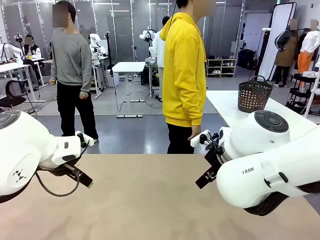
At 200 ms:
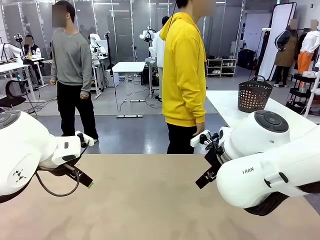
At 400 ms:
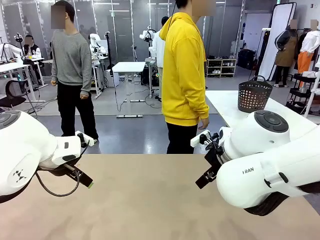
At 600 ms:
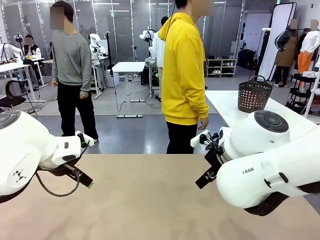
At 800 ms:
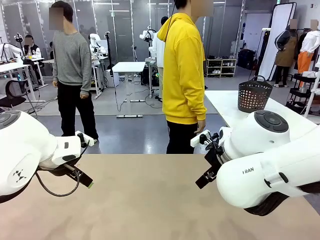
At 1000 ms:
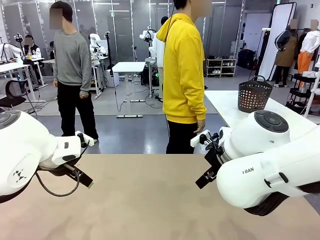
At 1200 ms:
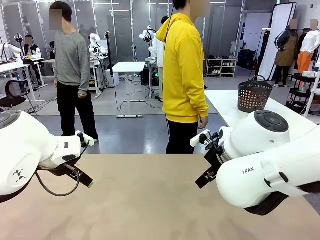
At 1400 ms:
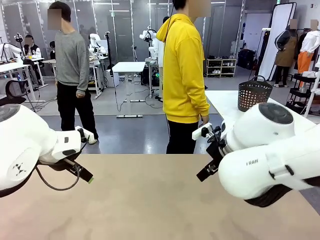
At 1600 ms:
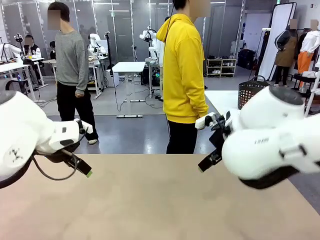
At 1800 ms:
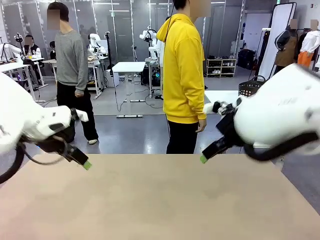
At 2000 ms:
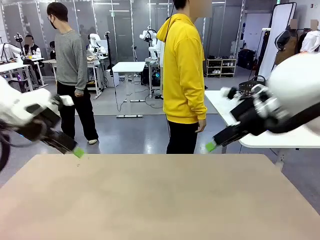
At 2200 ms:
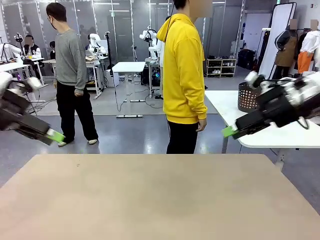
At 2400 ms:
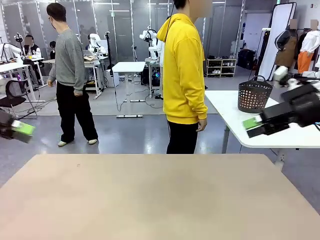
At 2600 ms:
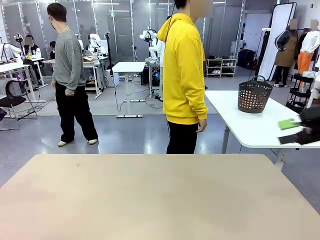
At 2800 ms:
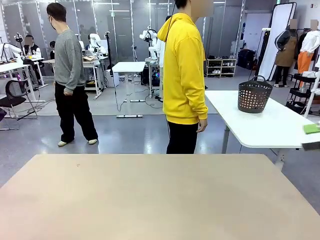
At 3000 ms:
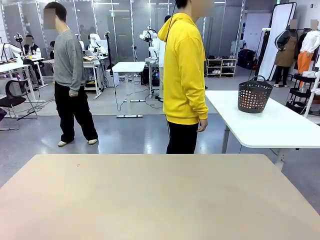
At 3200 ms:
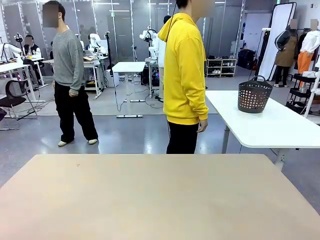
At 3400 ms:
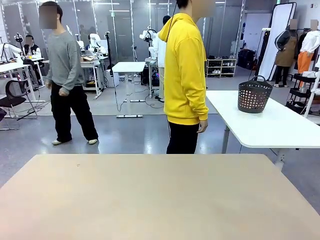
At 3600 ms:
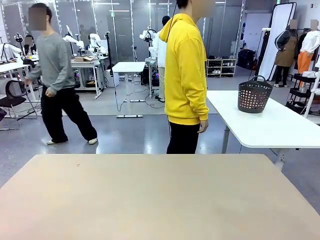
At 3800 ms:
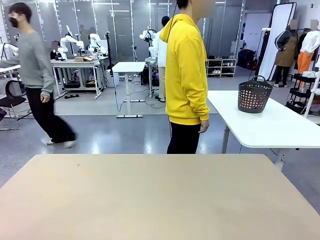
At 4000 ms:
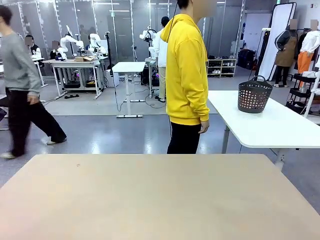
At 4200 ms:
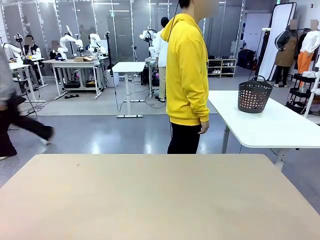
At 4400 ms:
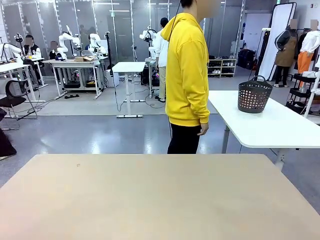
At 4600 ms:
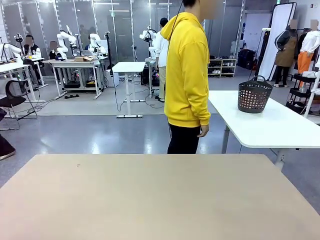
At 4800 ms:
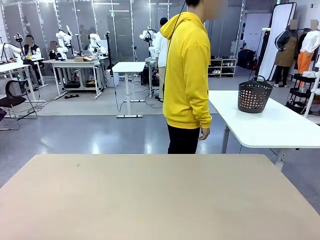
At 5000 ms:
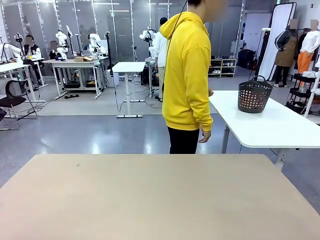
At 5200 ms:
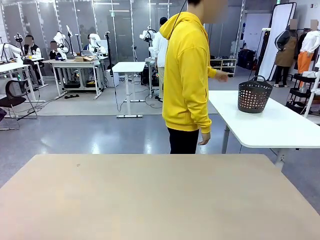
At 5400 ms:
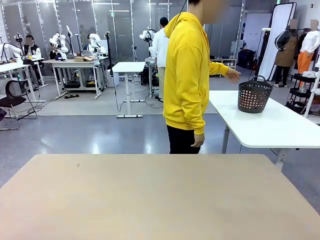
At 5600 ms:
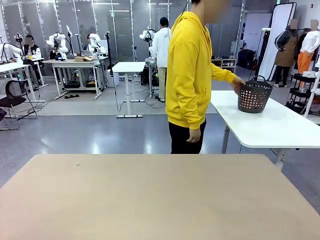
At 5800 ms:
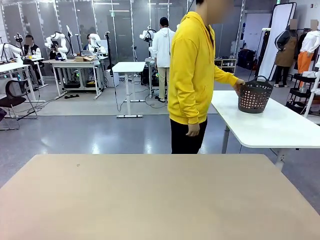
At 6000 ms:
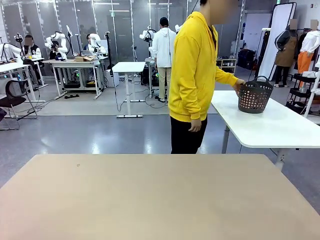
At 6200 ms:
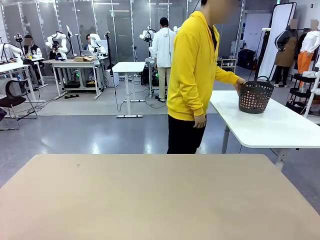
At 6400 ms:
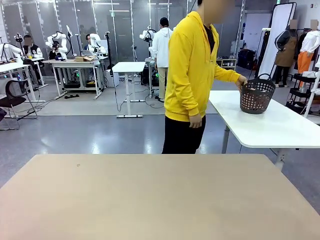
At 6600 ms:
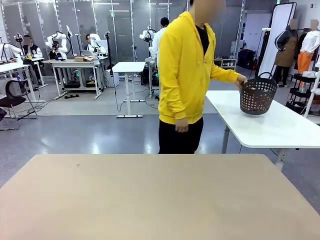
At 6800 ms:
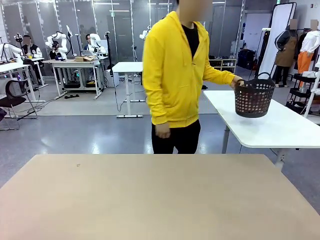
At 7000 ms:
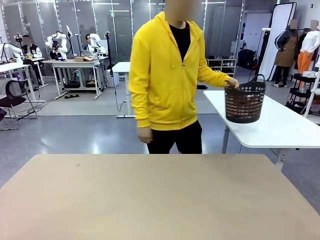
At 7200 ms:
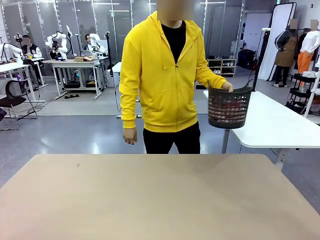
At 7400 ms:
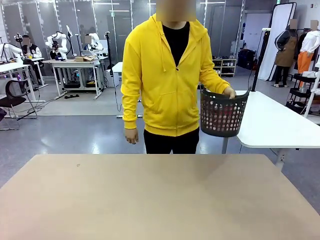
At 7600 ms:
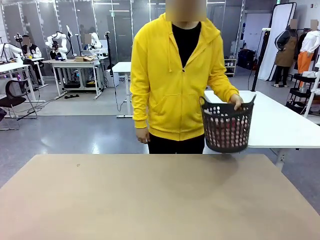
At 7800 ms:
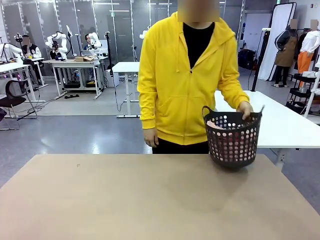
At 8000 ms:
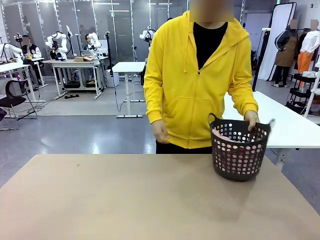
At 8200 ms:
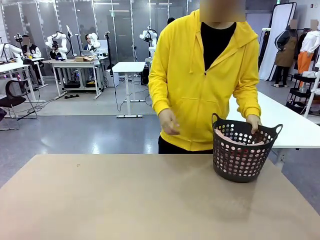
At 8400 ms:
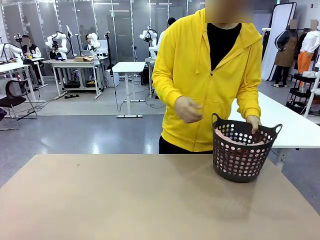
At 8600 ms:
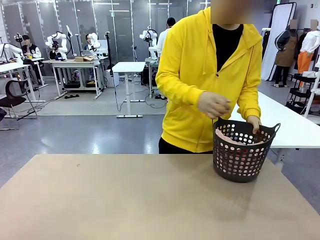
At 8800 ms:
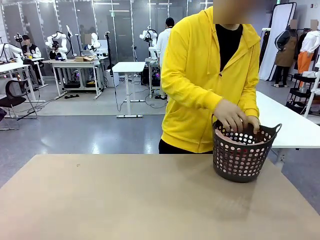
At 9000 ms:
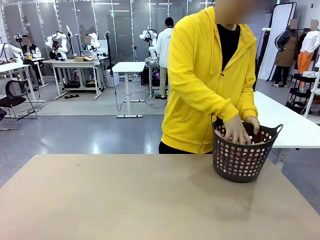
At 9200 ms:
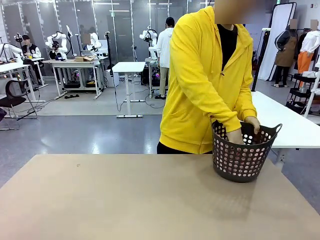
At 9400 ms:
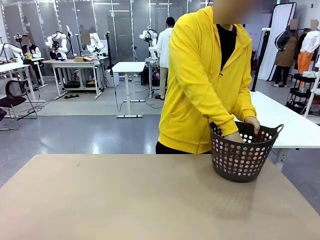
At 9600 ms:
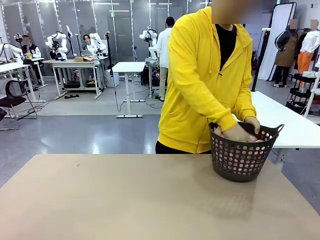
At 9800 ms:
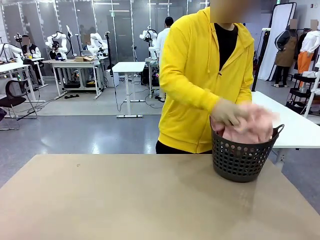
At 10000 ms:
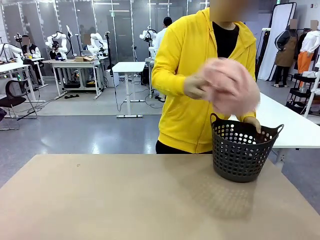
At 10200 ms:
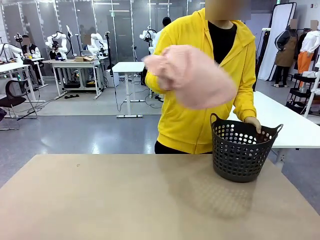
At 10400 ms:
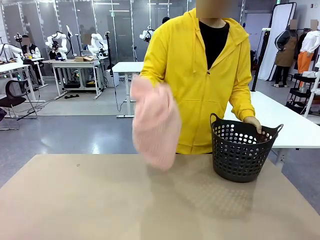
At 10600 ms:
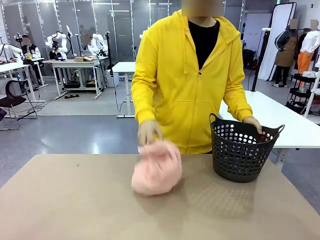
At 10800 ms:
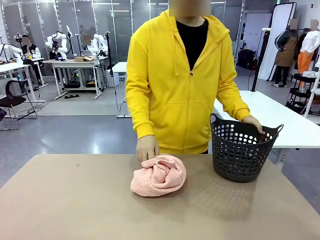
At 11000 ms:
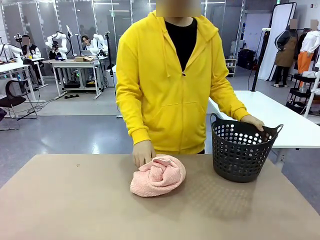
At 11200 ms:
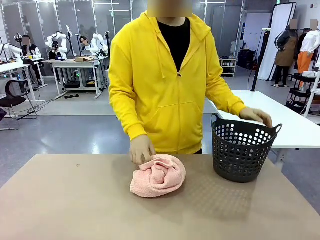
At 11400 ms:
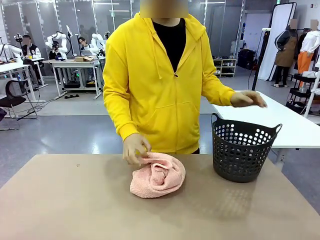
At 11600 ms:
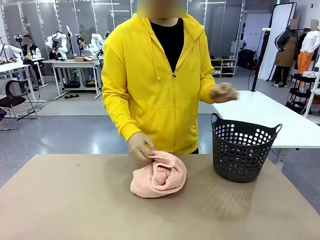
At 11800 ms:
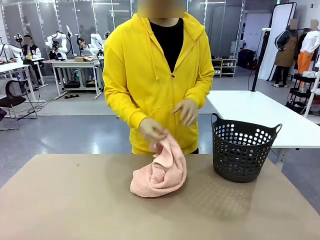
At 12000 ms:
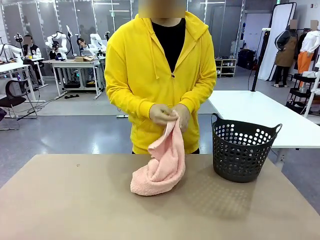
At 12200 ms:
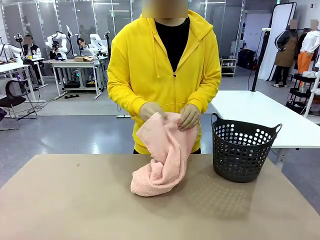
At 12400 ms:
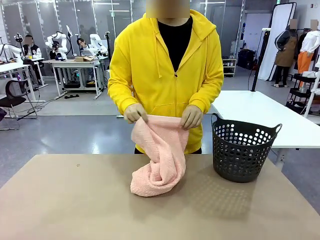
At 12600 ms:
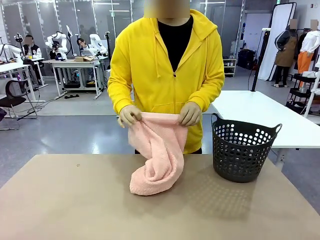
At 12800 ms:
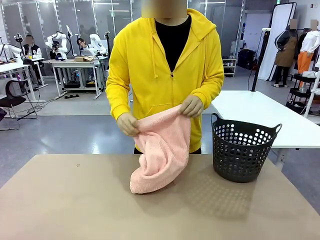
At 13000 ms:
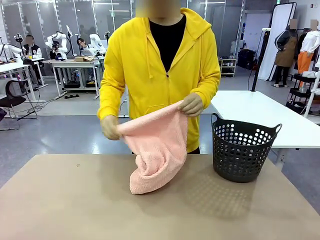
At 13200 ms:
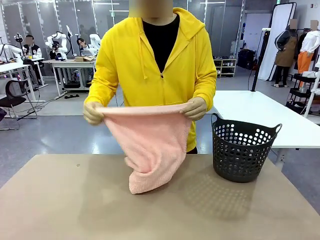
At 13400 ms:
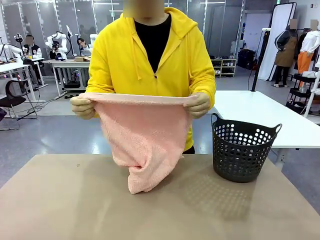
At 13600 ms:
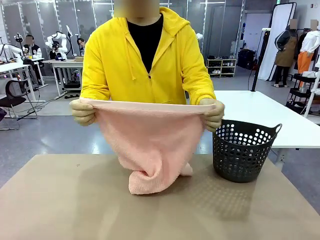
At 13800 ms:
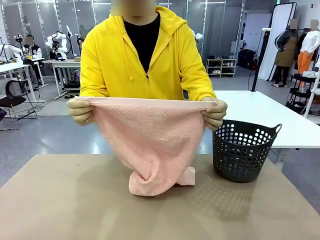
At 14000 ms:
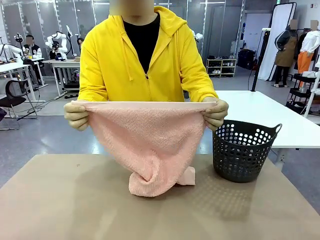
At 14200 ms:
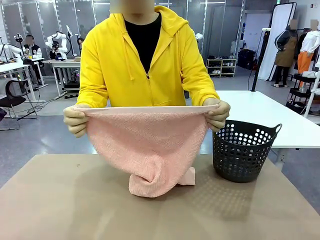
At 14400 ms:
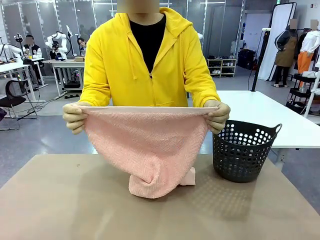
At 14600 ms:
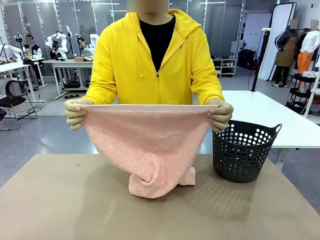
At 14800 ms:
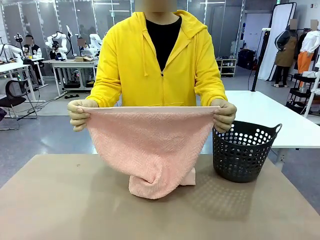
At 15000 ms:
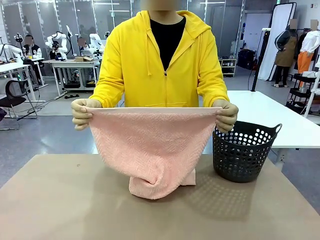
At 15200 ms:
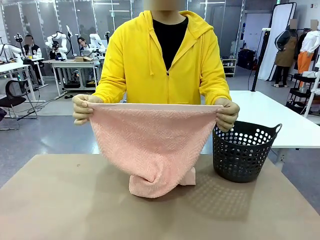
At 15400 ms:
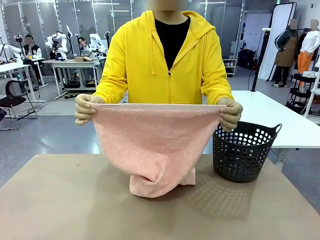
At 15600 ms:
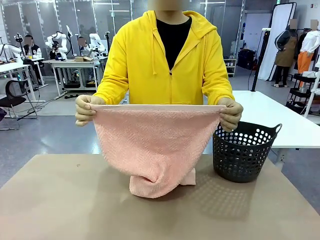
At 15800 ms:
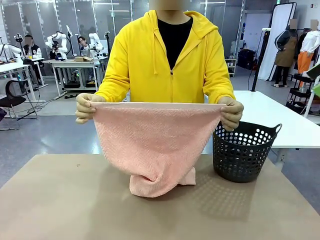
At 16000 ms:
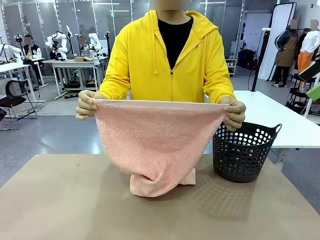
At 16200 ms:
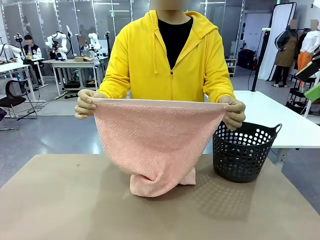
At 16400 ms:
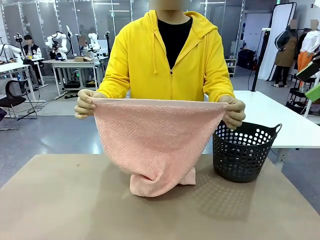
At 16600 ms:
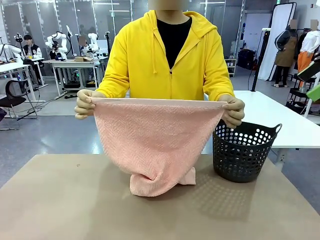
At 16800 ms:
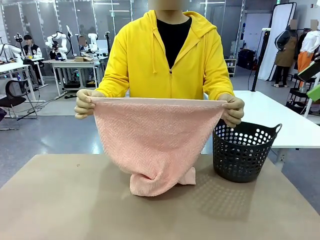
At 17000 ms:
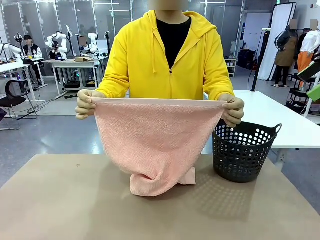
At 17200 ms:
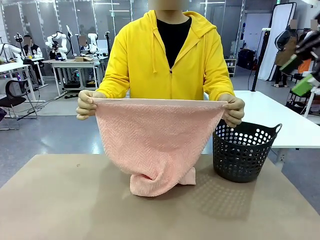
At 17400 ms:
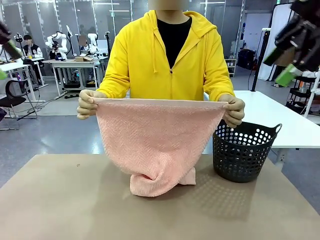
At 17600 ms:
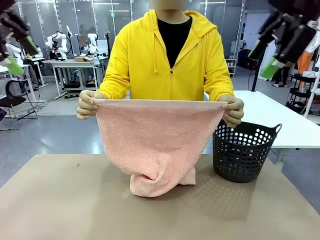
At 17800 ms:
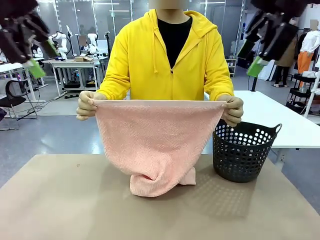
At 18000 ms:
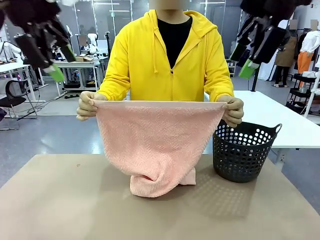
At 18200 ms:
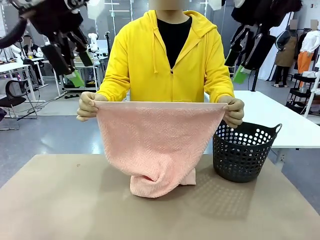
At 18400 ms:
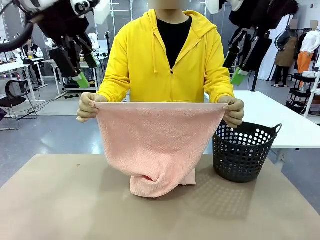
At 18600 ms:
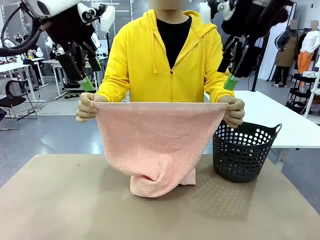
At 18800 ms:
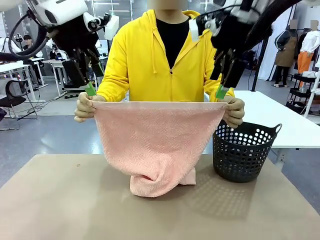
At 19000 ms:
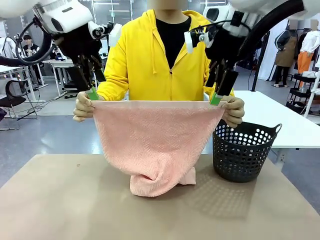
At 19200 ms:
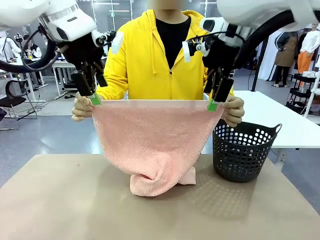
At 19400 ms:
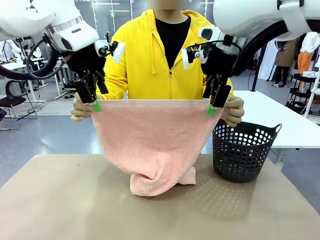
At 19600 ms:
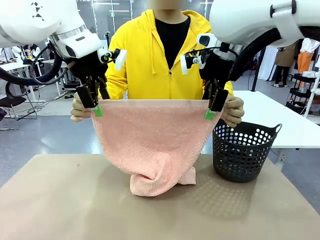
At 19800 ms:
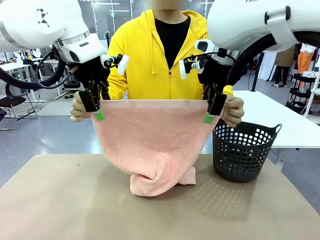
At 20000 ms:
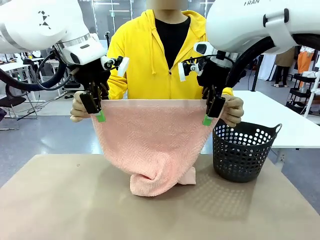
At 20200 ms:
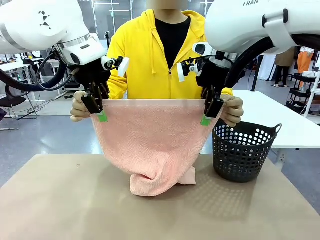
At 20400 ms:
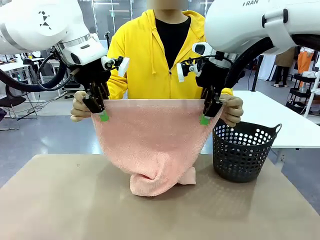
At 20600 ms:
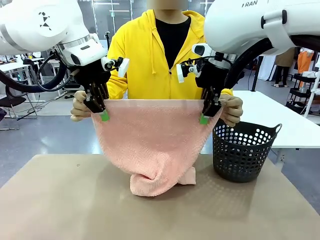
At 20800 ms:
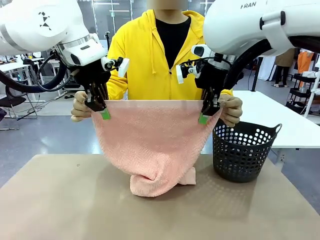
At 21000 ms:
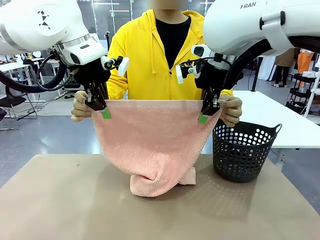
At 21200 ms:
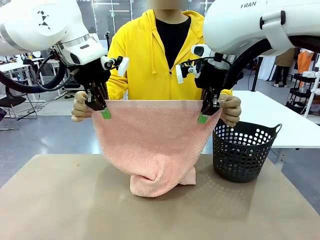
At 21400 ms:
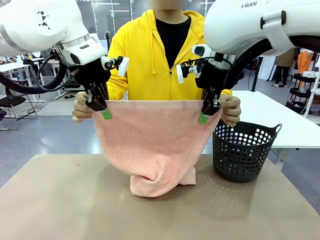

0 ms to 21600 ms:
Task: Fold the towel.
Robot: Grab the top end of the 100 cm Hotel Towel extended by the human.
Person: Pick up the laundry basket, place it on the left side of the robot table, then take out a towel and hand it to the robot while holding both corners of one end.
